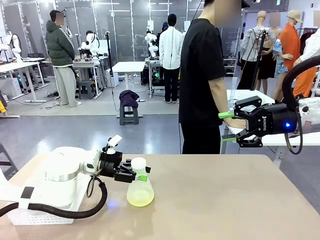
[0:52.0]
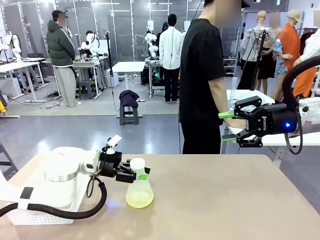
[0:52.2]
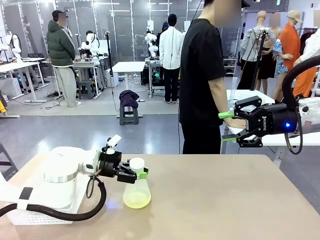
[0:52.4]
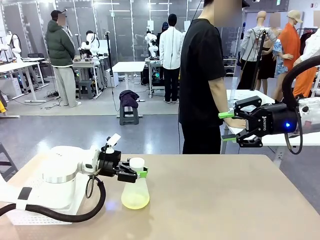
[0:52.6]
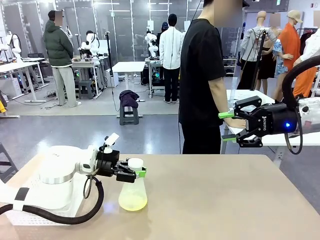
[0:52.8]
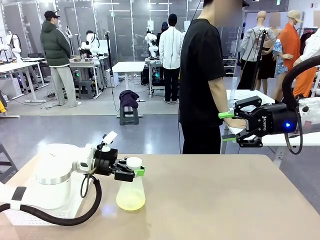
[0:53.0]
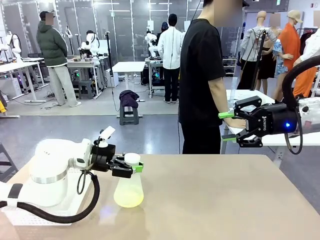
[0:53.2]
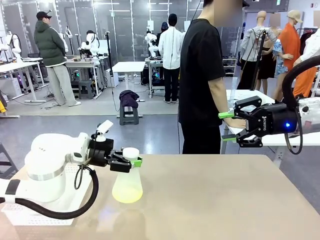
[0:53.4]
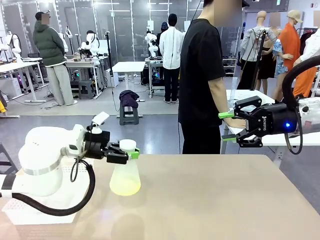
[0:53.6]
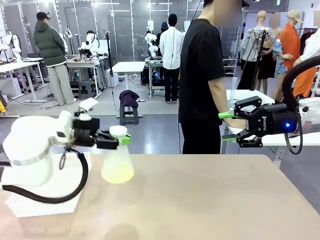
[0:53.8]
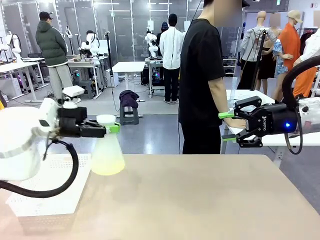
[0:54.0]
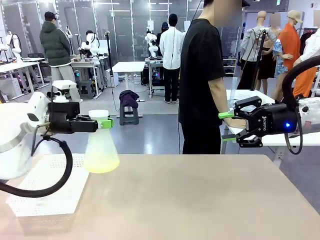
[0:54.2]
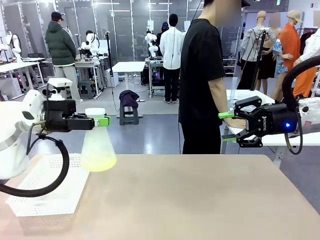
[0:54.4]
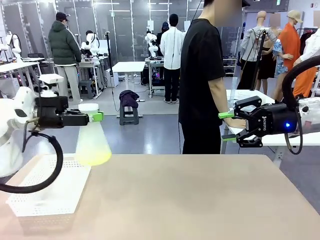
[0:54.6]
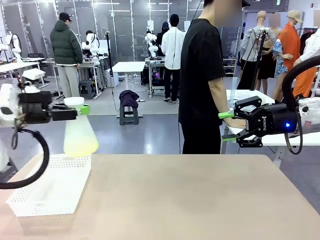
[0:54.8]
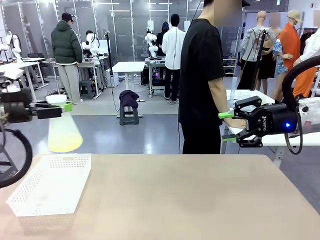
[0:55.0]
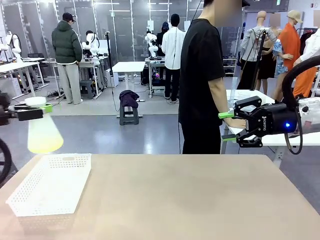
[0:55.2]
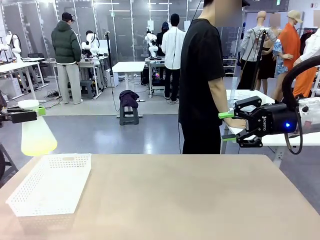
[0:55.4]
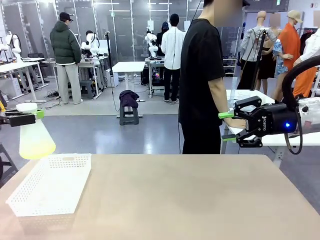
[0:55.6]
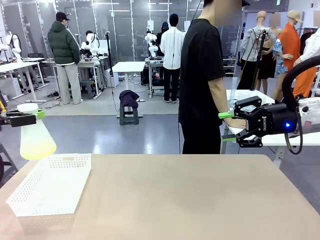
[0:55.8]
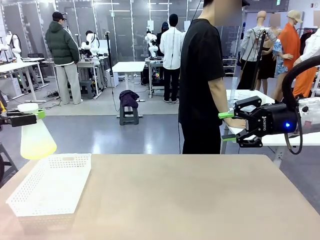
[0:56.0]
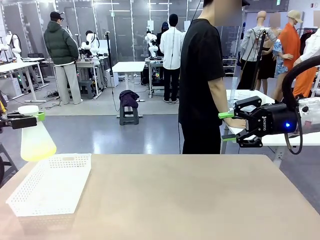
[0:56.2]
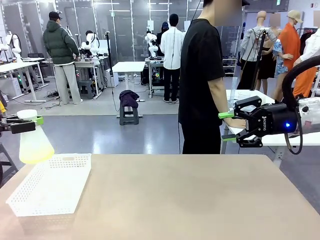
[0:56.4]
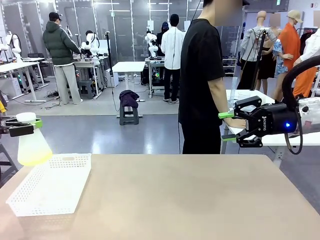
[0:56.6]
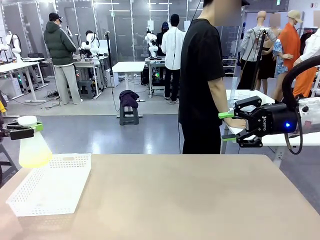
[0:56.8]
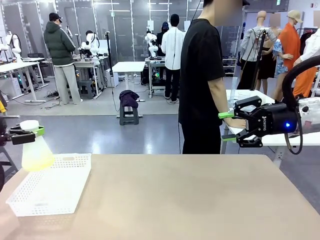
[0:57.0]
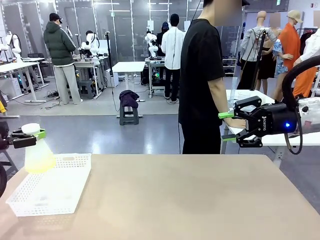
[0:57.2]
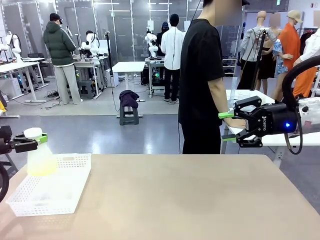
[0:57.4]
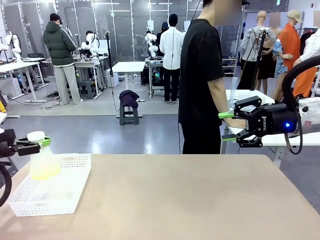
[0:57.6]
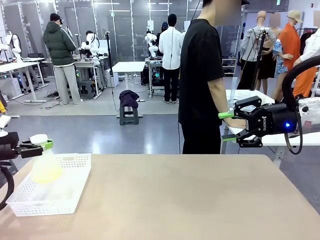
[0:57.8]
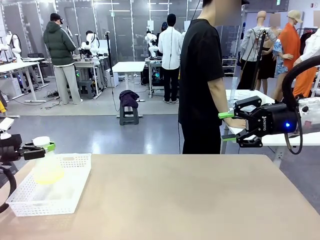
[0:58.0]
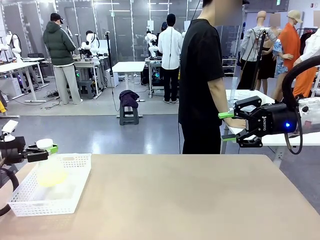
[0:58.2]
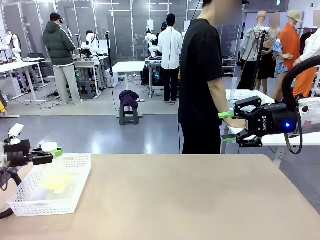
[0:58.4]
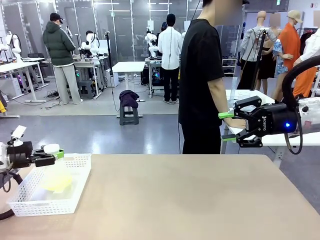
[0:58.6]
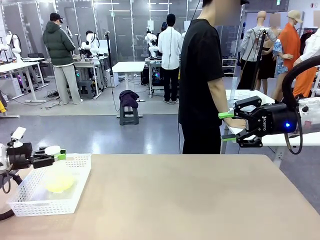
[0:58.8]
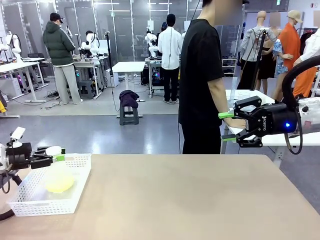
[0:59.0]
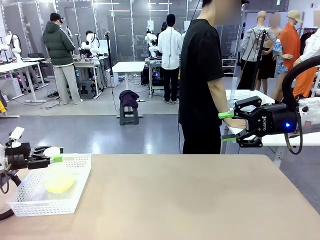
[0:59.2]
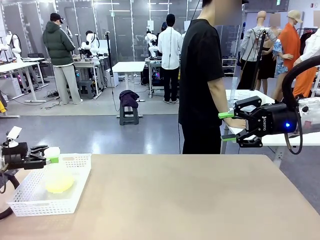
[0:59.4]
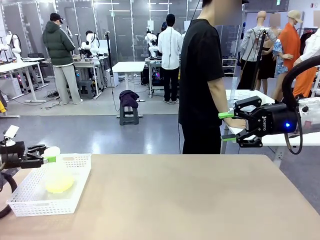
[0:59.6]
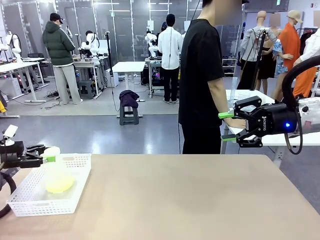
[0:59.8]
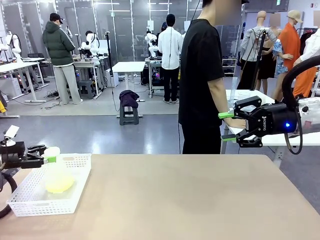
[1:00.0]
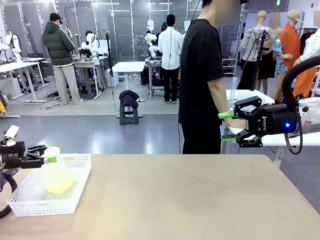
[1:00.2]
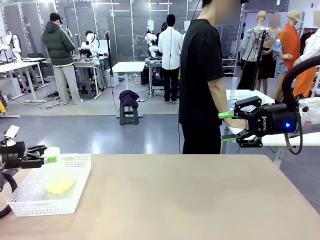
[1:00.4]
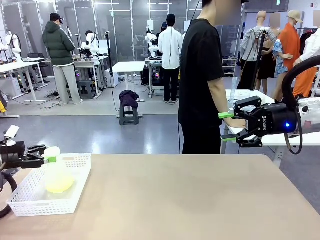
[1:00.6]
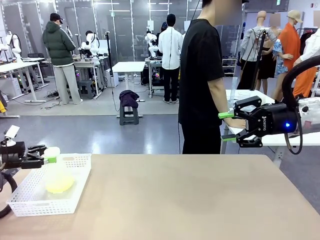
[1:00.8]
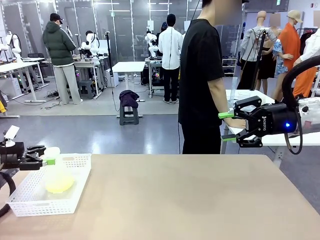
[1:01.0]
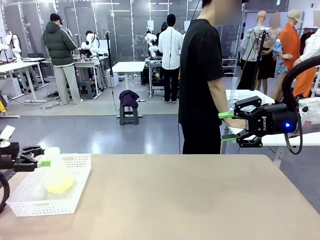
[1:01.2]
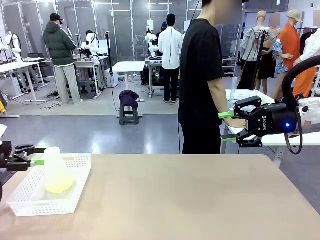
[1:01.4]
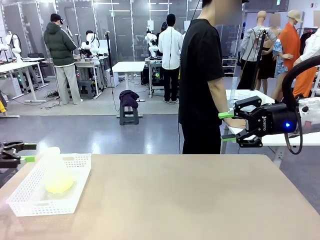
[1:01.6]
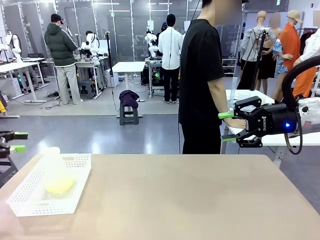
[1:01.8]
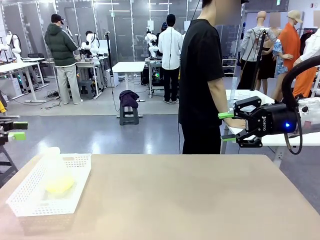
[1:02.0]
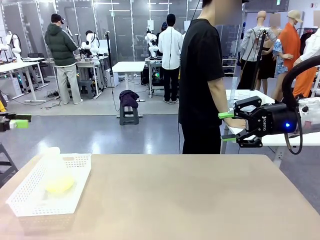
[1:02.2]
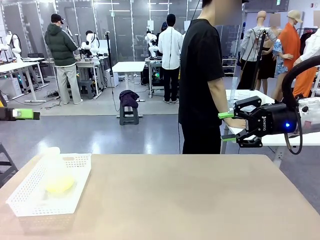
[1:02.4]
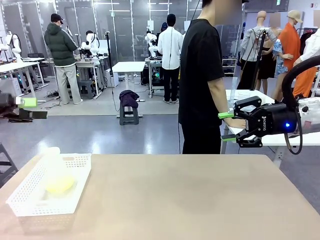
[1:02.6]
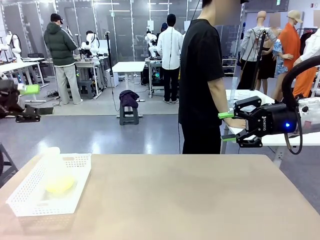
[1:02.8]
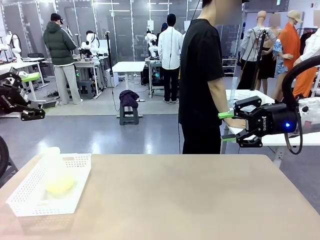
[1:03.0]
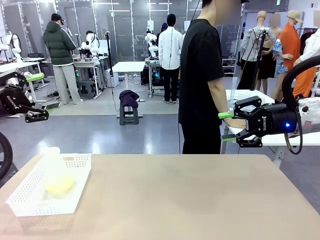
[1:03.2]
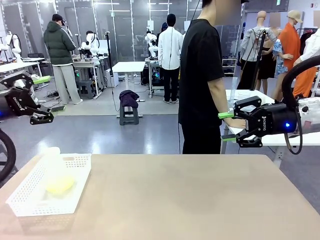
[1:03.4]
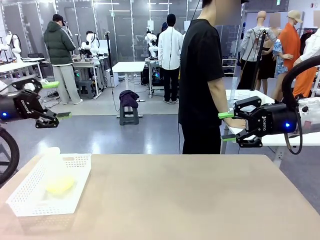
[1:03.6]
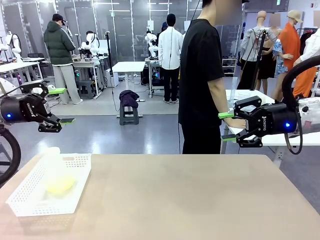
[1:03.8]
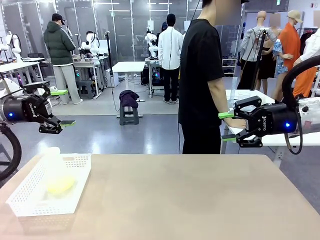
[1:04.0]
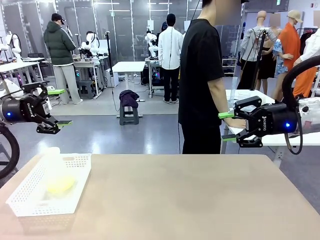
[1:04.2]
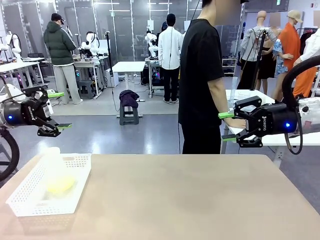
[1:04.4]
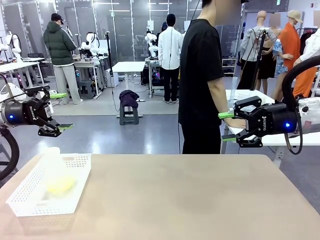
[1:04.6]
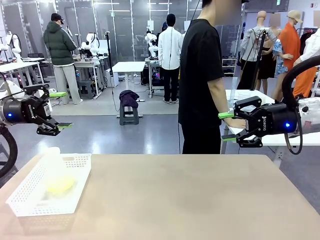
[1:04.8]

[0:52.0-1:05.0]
Task: Prepare the solutions needed for the experiment.
Robot: When the human places the Big flask in the center of the table, pick up the Big flask and place it in the left Organizing basket.
Person: Pick up the organizing basket on the left side of the robot table and place it on the left side of the human table.

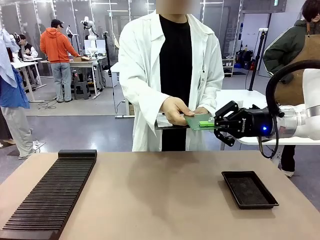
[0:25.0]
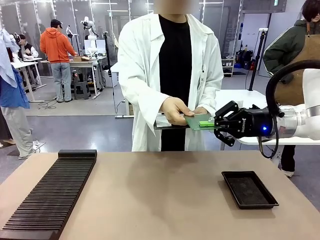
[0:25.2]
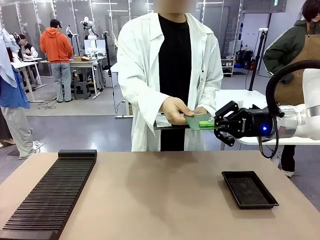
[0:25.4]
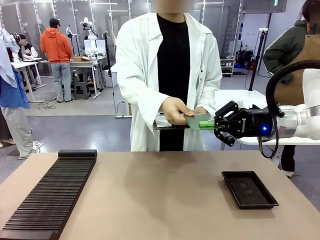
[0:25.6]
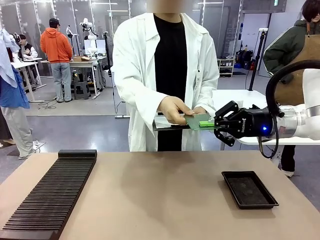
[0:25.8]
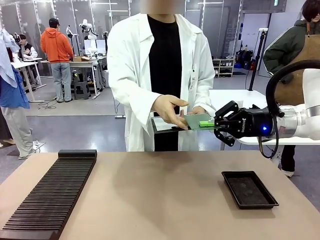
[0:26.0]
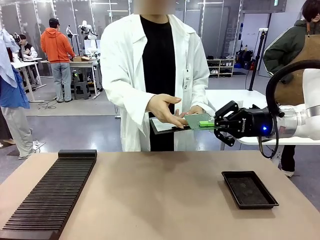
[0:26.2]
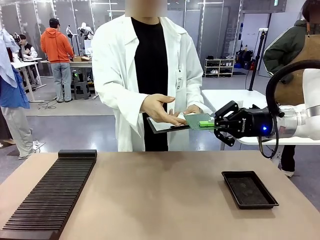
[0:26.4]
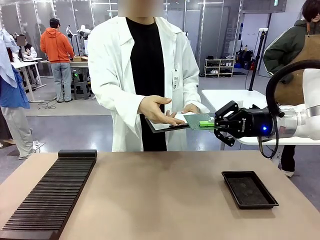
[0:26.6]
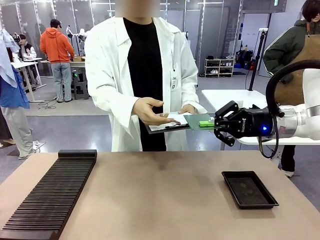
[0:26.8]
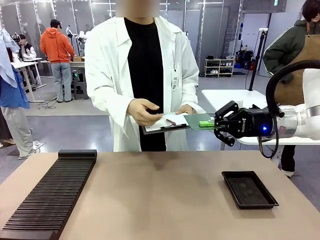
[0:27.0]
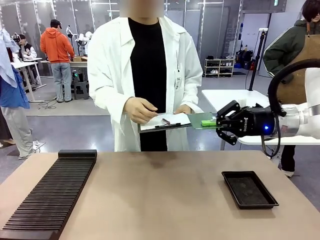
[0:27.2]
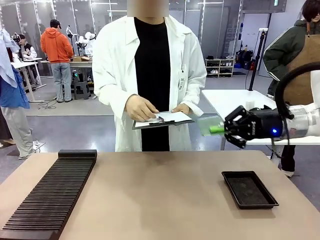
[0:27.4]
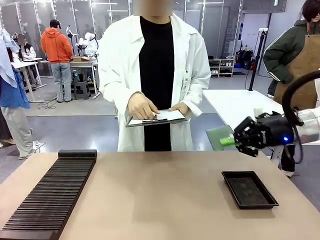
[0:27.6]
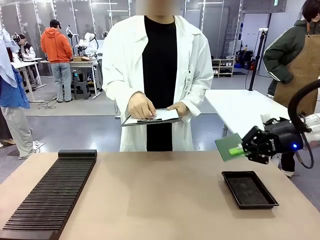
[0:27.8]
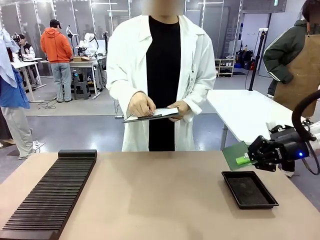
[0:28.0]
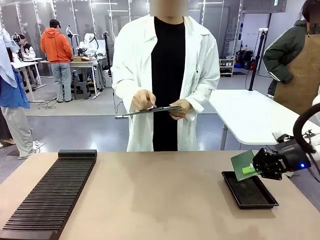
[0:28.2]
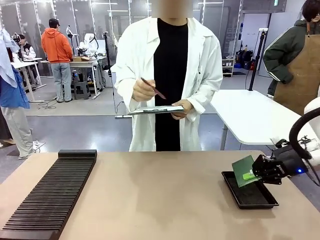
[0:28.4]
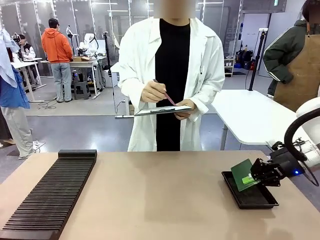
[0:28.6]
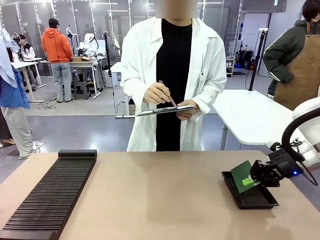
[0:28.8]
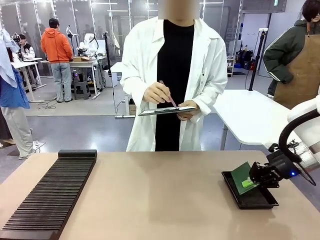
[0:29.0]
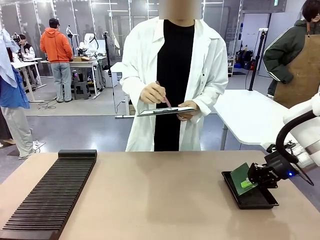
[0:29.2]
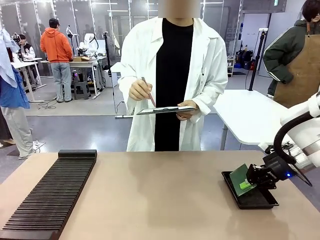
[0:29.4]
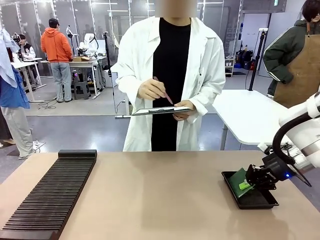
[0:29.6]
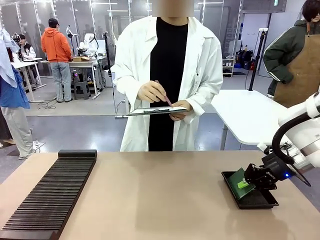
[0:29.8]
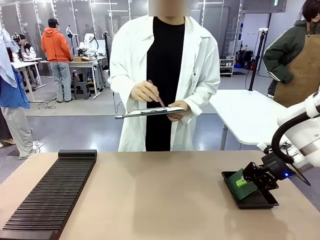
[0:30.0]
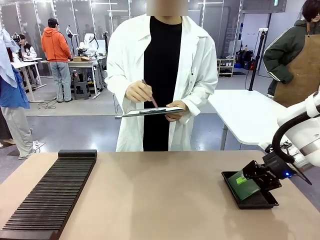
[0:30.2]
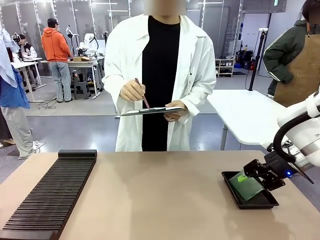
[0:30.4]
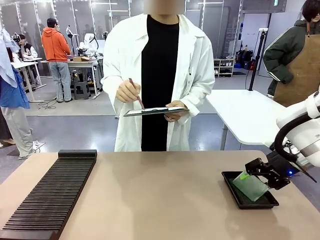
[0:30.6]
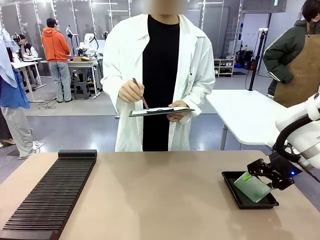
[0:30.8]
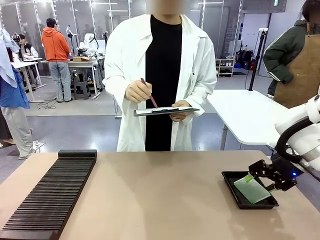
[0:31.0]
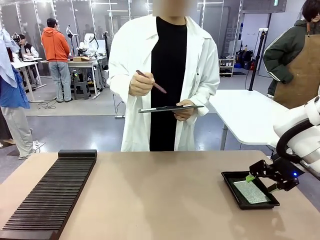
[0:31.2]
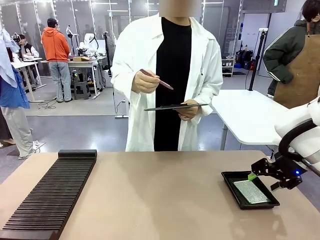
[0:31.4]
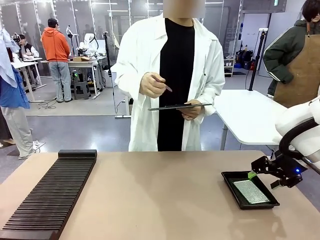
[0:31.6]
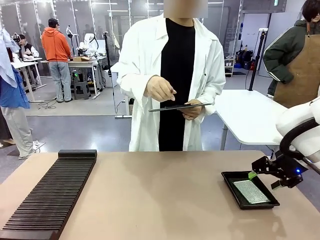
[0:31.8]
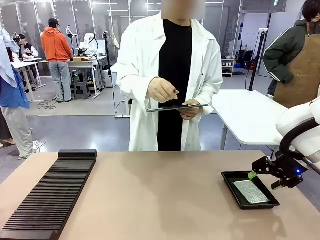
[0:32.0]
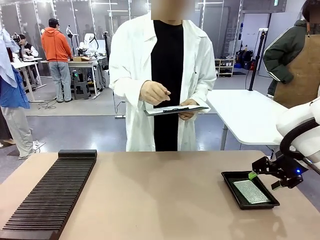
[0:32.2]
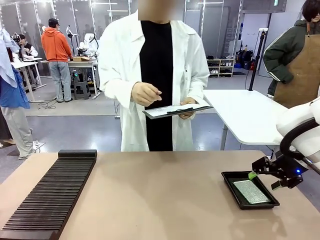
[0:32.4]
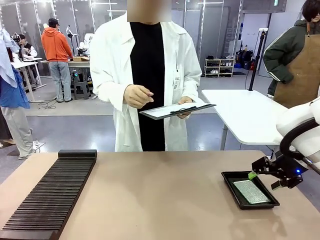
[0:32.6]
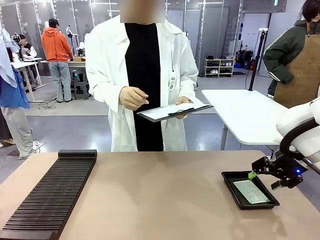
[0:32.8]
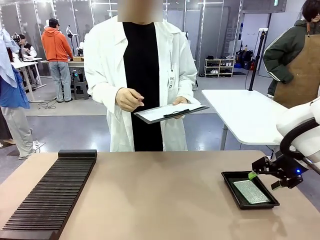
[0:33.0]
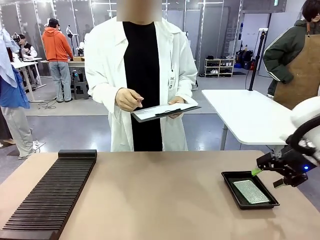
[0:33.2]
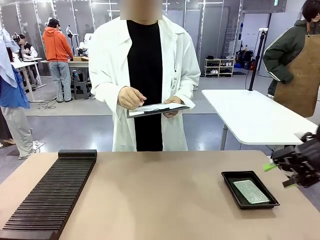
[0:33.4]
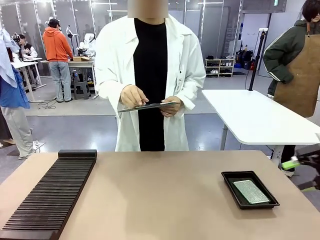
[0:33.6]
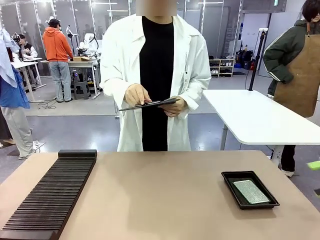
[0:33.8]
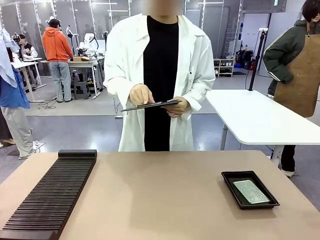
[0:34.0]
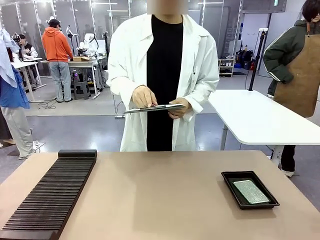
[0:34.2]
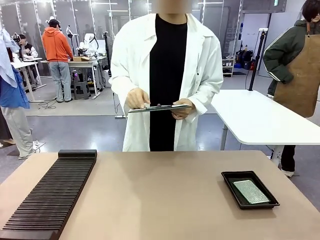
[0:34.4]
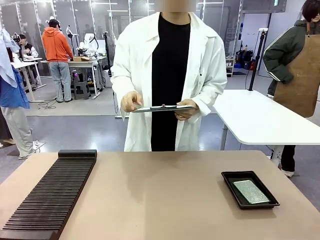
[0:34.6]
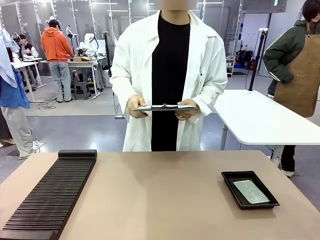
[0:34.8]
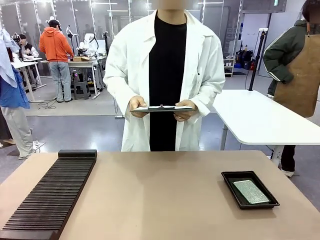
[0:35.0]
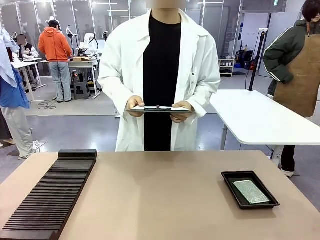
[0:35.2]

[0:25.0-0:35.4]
Task: Inspect the PCB.
Robot: Place the Blank PCB in the ESD tray.
Person: Record the PCB status on the paper.
